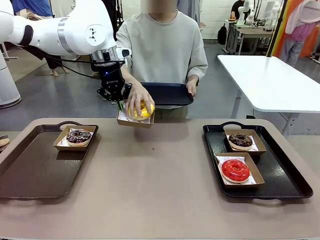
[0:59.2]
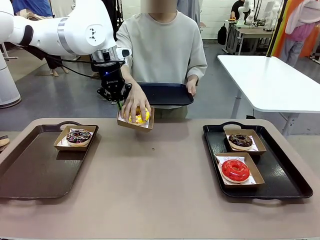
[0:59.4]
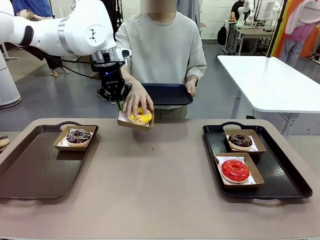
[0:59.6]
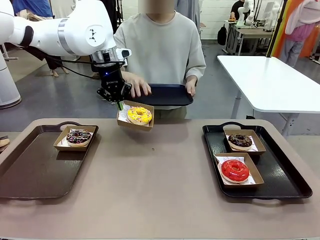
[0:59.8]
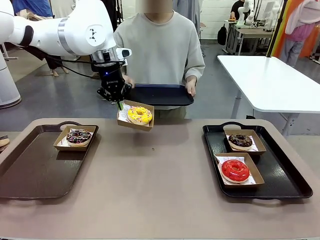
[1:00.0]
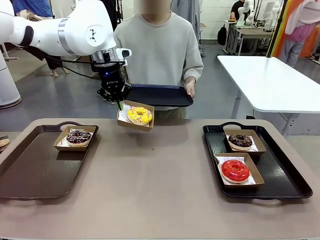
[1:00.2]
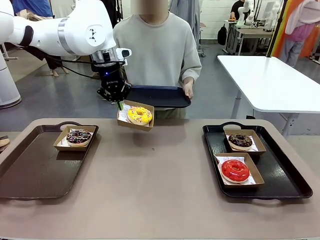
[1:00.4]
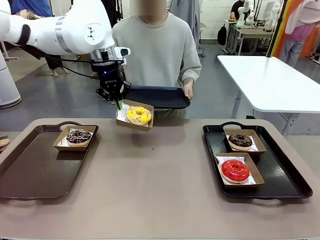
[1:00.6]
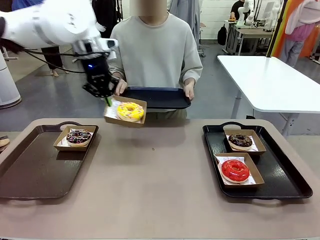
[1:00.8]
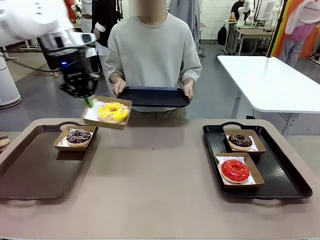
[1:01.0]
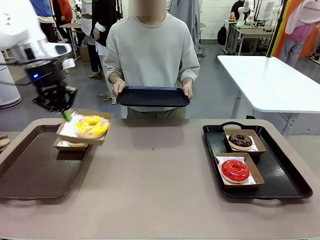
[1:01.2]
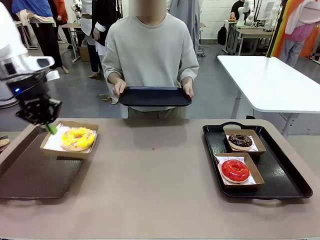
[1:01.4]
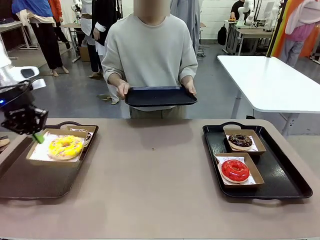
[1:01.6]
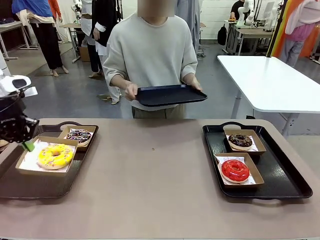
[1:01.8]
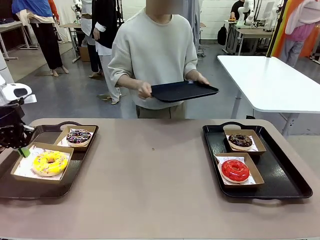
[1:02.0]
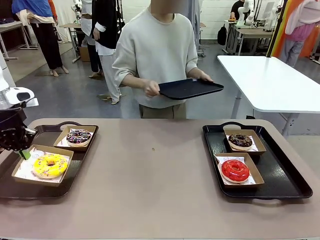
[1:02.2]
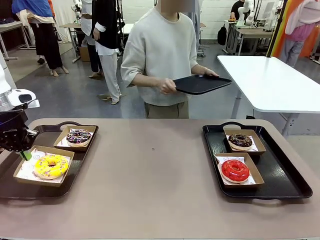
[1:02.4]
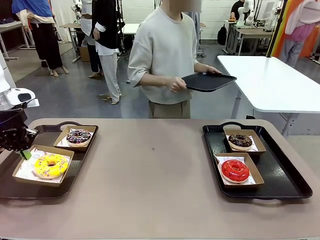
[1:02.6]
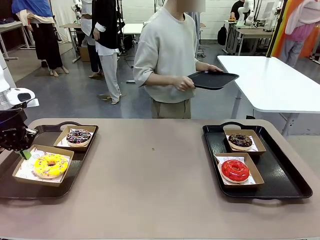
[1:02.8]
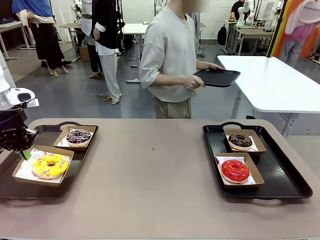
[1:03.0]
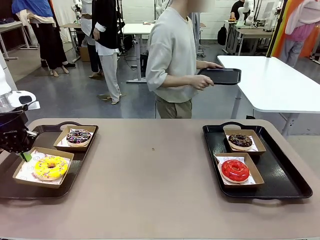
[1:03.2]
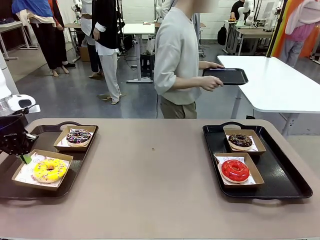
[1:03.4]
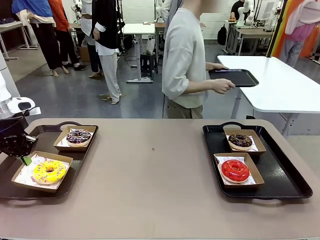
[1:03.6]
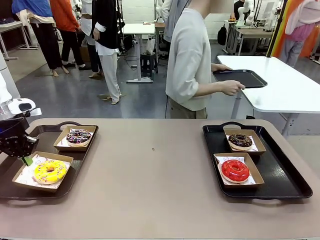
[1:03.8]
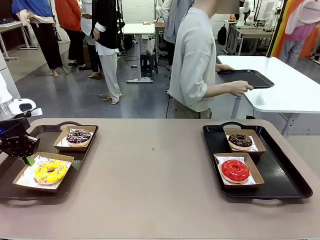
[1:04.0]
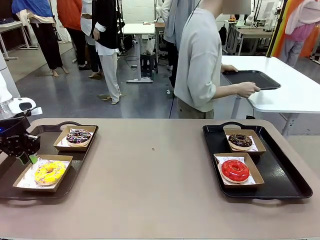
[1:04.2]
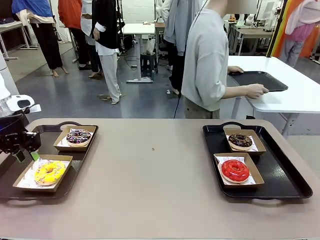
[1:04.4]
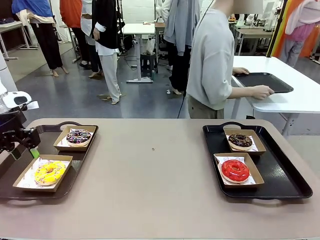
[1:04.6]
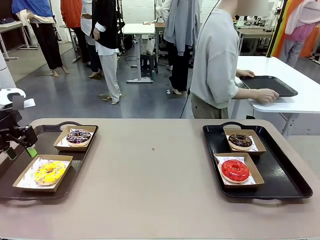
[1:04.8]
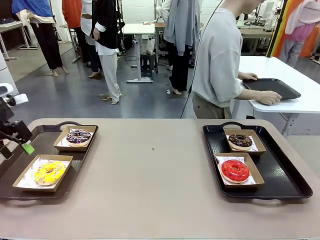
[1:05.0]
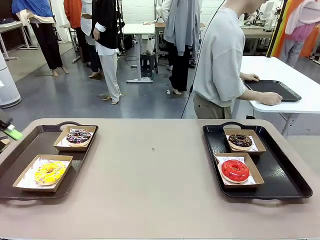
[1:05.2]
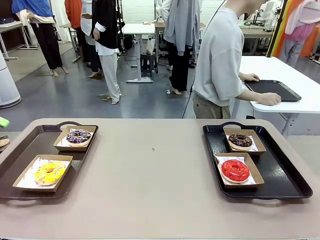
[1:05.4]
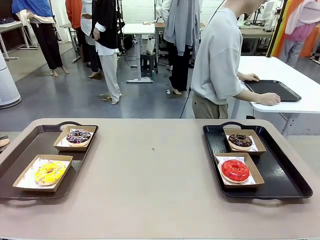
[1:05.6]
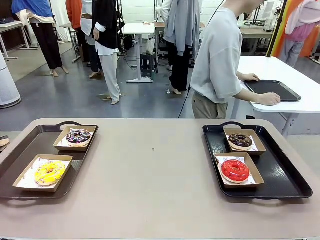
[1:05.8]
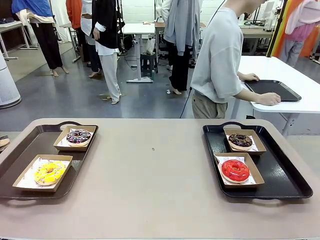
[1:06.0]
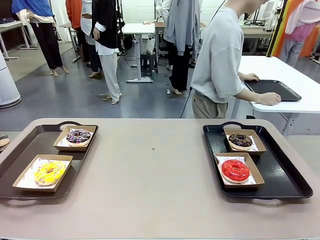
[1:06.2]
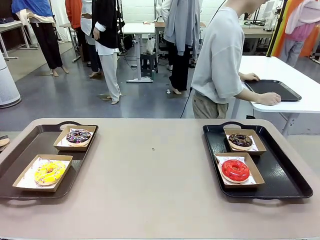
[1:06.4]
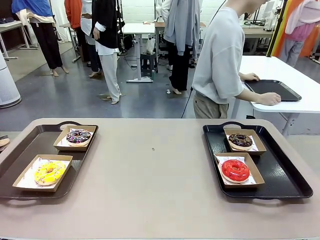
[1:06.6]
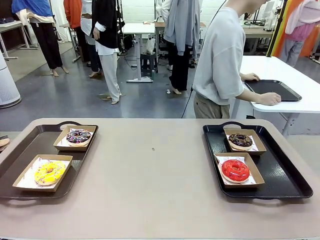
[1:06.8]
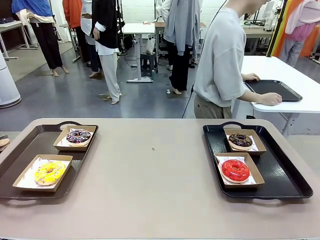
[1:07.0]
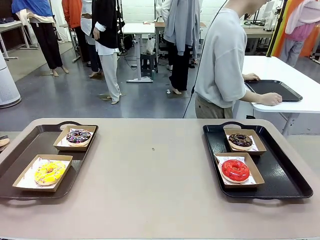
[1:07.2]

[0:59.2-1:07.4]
Task: Individually package the donuts and arrange them on the tray.
Robot: Place the picked Paper togo box on the Handle tray.
Person: Place the tray down in the middle of the human table.

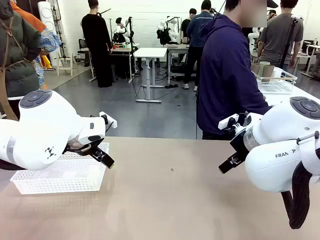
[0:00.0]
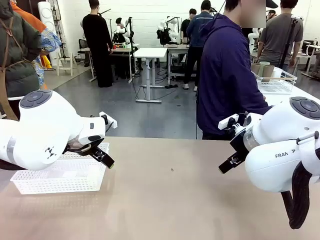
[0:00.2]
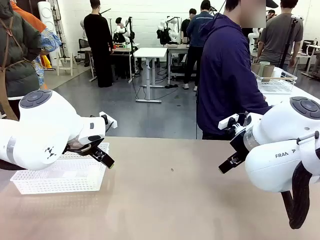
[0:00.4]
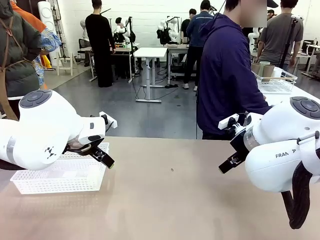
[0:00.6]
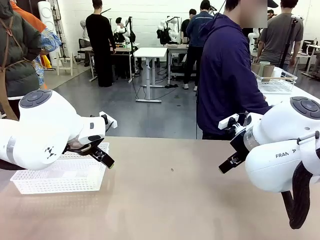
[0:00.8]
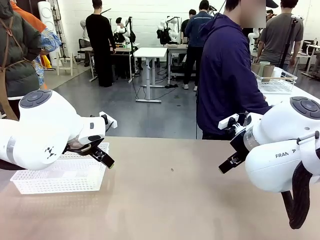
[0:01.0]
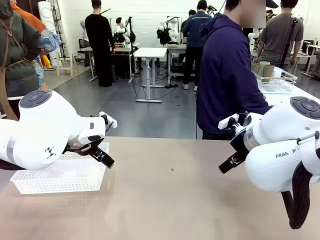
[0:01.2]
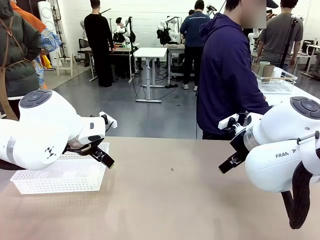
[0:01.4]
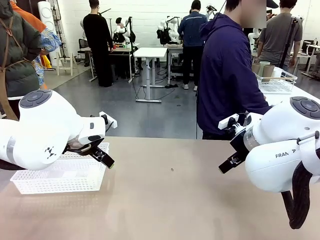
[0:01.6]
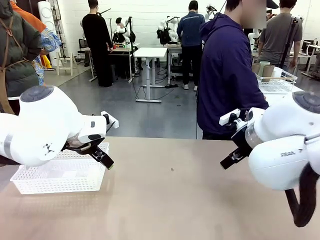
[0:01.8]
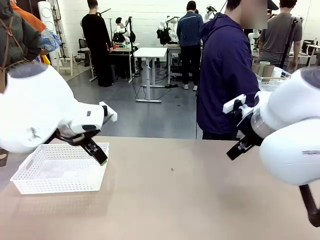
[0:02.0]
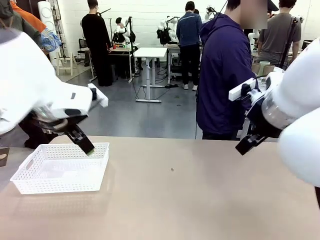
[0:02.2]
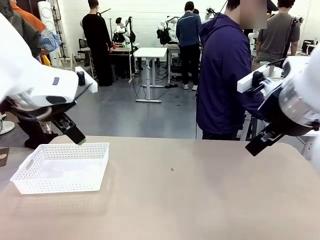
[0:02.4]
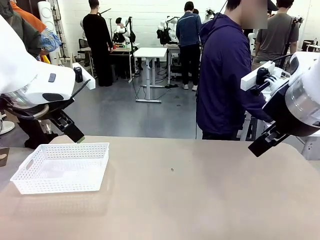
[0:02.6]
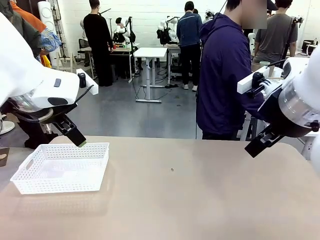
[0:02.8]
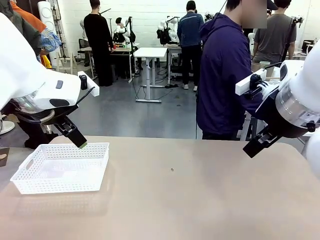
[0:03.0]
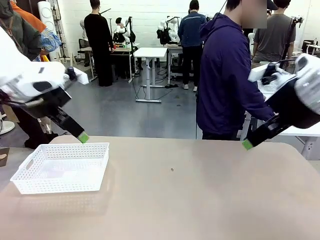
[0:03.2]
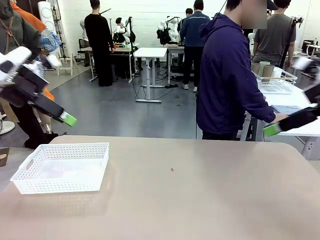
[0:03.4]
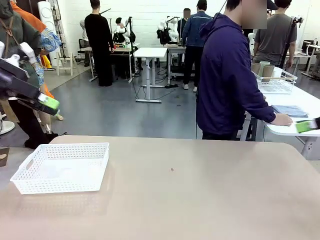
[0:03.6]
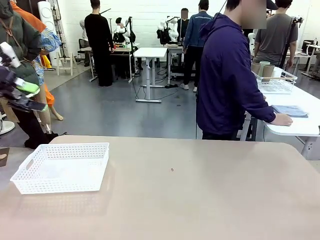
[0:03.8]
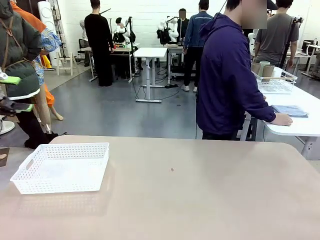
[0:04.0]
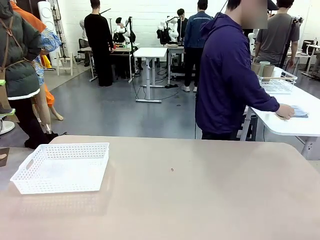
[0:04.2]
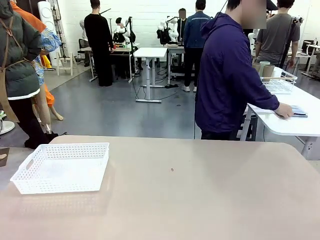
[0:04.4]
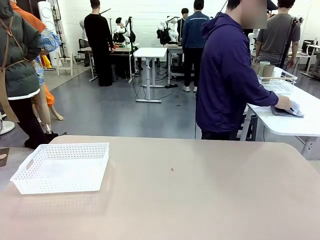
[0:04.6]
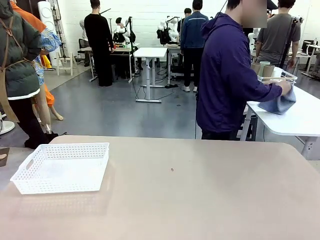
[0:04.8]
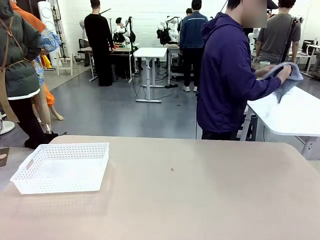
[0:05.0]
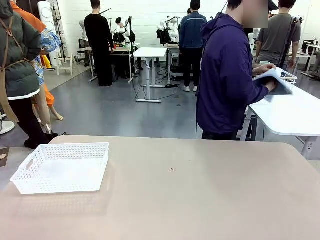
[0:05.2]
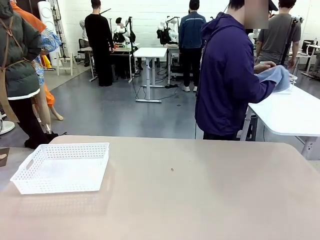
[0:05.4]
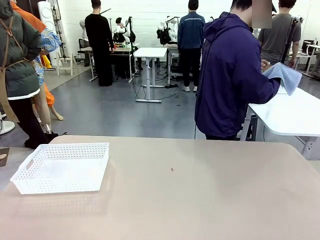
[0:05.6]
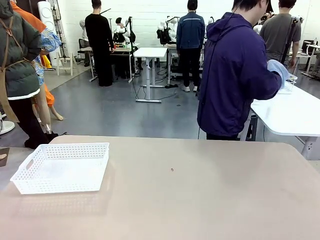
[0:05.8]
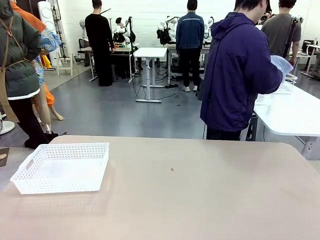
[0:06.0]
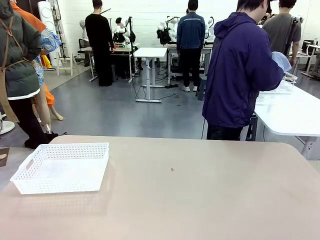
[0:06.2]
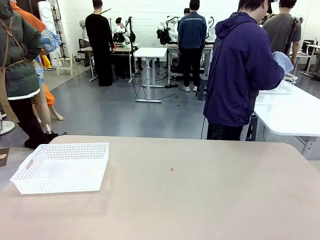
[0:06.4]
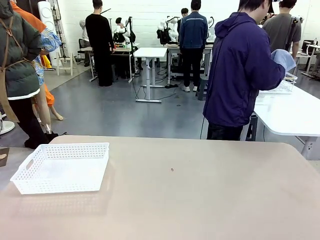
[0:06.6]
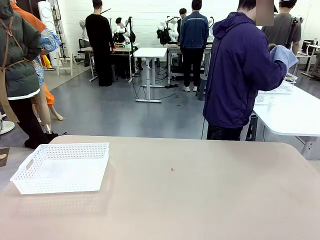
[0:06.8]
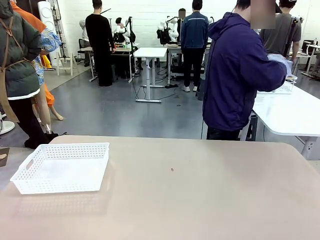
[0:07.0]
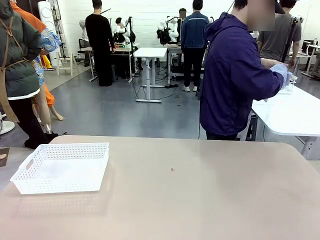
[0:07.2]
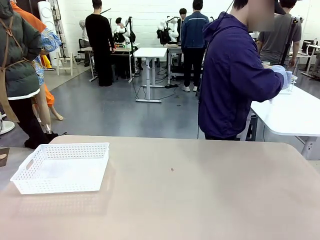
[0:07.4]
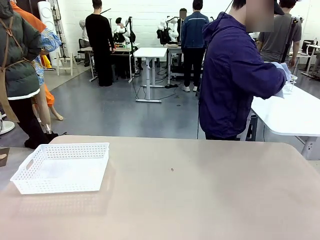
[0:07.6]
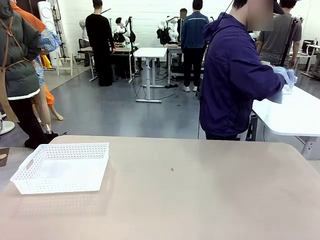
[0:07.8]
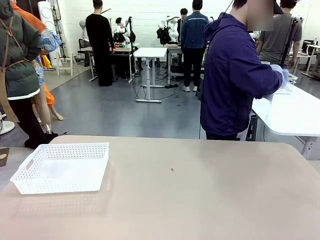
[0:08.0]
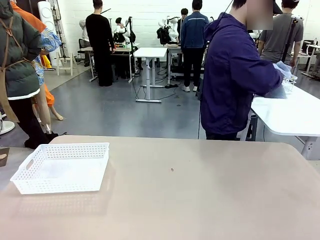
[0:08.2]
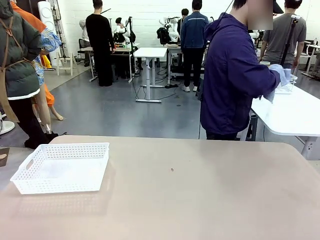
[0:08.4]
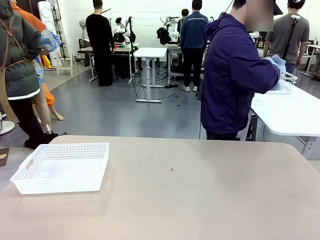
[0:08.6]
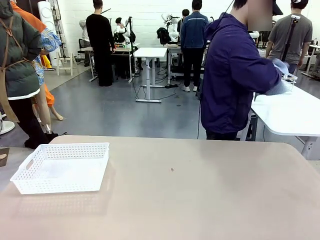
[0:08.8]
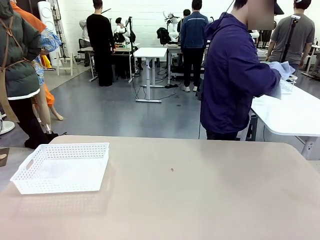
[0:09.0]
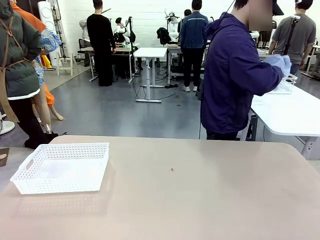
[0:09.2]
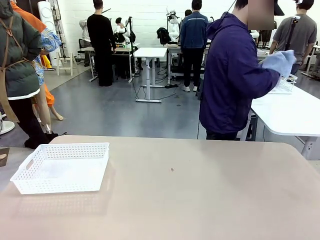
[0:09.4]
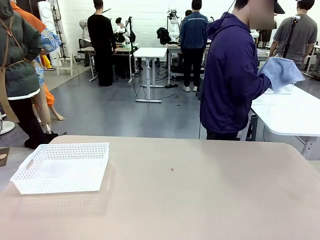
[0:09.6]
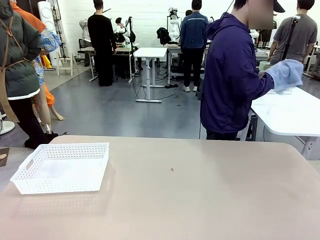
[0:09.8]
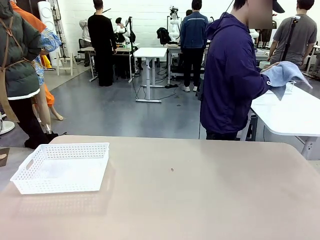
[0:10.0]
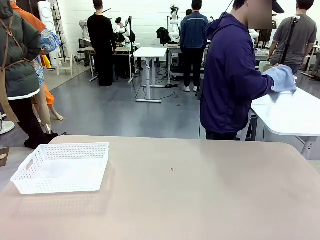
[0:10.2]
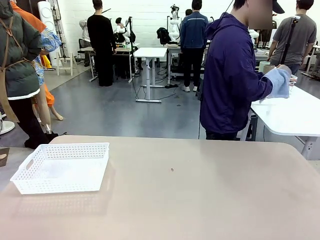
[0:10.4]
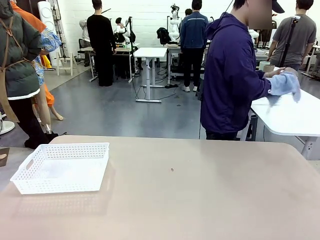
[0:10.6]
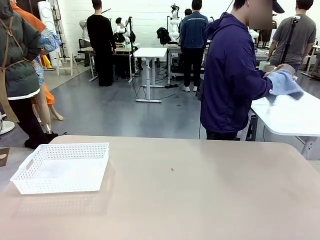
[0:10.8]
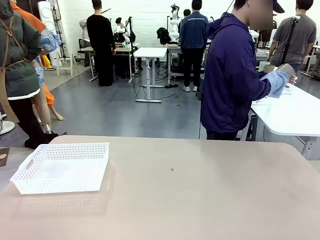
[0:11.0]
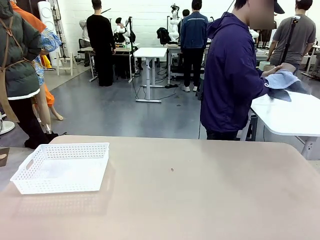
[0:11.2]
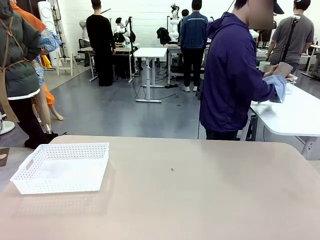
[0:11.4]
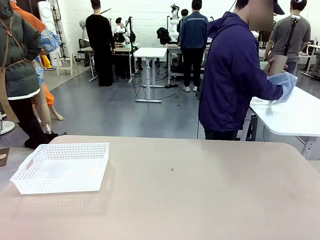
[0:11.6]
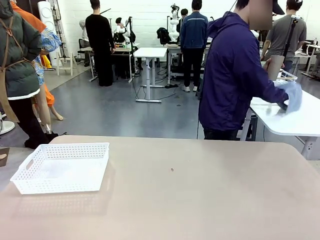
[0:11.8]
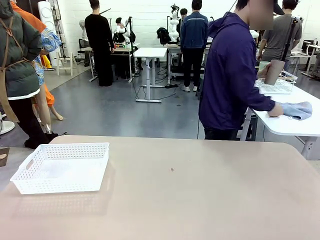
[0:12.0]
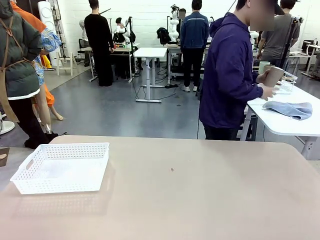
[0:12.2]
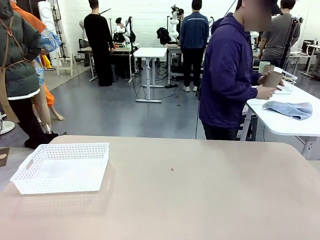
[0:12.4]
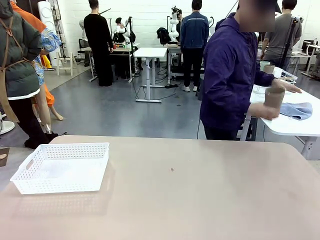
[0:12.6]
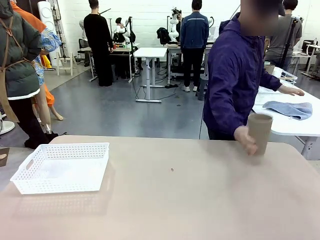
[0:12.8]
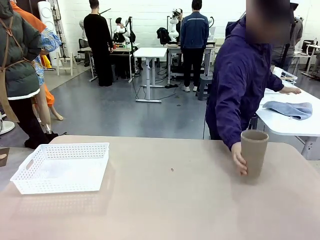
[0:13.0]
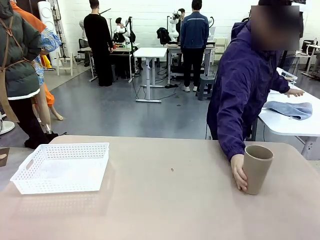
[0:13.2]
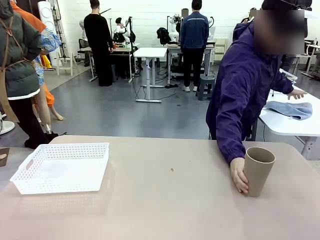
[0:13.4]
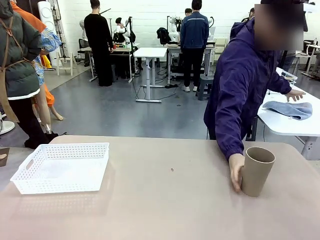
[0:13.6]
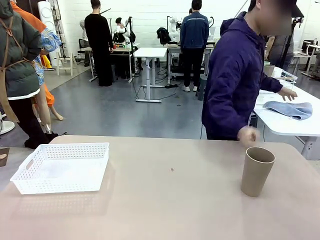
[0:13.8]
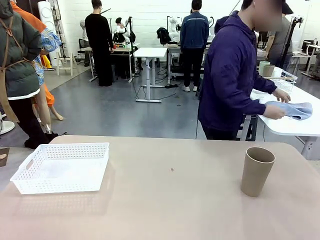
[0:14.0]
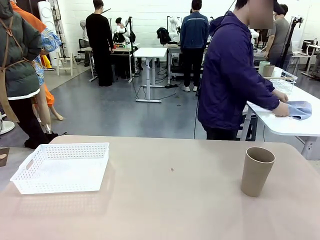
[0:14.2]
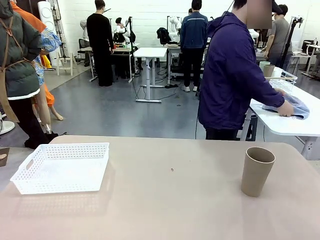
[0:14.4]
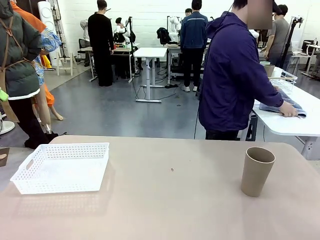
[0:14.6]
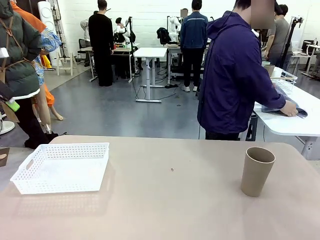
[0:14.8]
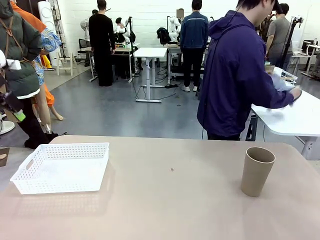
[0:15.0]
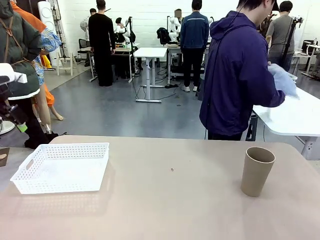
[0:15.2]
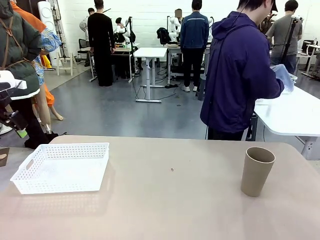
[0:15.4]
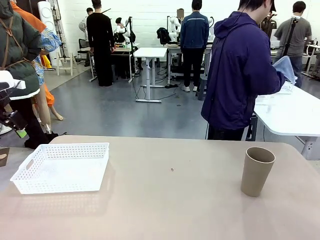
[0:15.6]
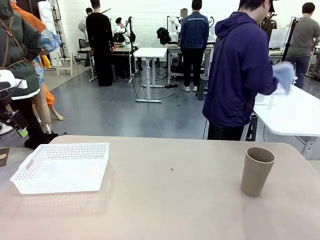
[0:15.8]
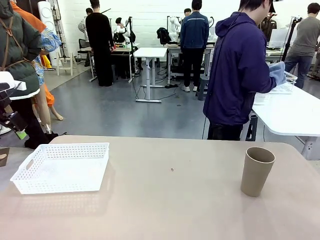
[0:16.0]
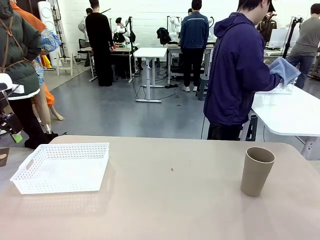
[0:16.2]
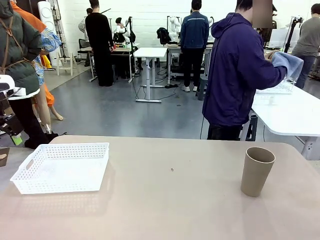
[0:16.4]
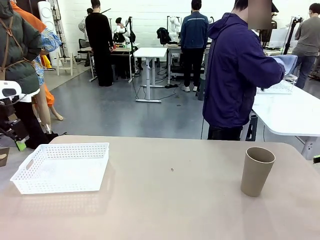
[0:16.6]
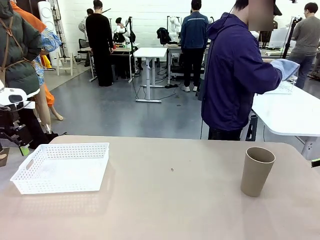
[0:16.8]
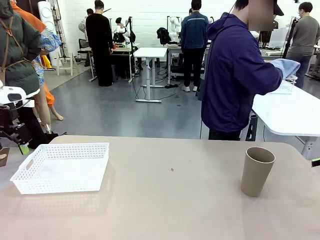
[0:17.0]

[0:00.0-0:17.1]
Task: Clean and organize the cups into the basket.
Robot: Pick up the Organizing basket and move it to the center of the table, then pick up the Reusable plastic cup from the right side of the table and place it inside the Organizing basket.
Person: Picks up a cup and a towel, cleans the cup with the towel, and places it on the left side of the robot table.
